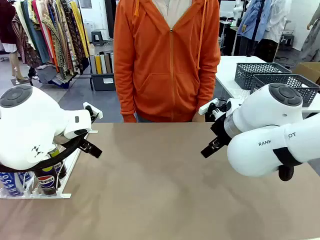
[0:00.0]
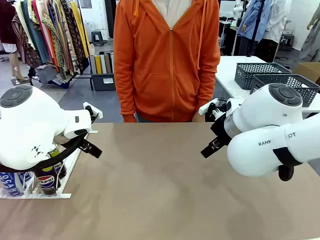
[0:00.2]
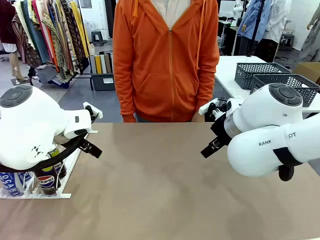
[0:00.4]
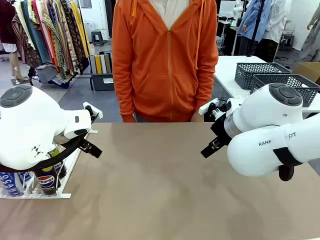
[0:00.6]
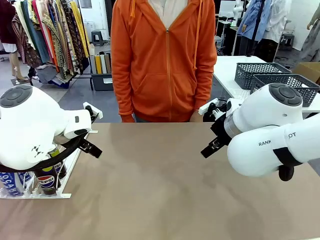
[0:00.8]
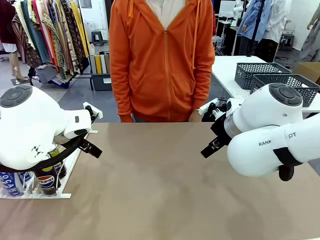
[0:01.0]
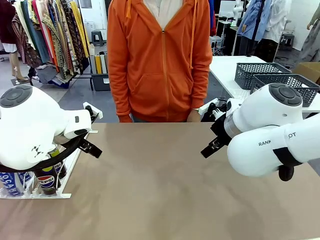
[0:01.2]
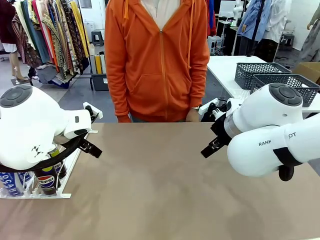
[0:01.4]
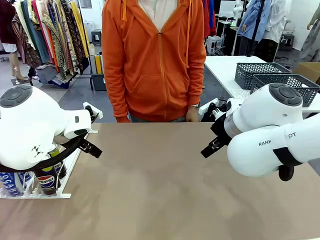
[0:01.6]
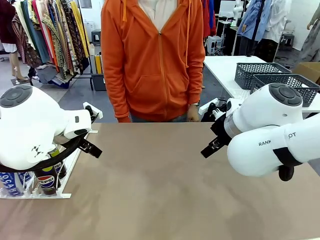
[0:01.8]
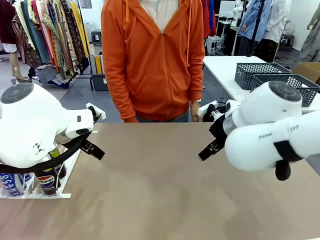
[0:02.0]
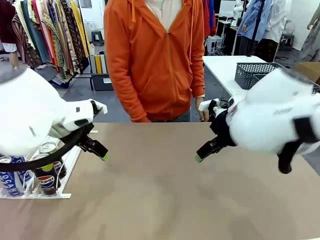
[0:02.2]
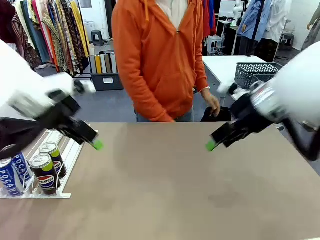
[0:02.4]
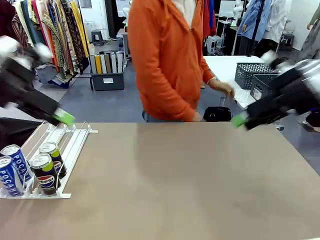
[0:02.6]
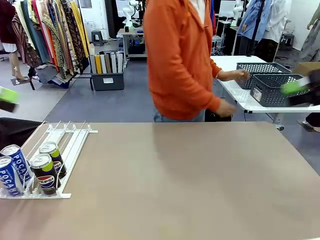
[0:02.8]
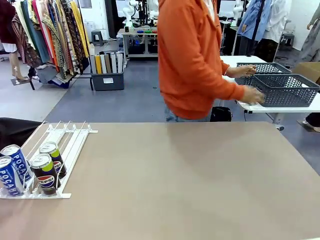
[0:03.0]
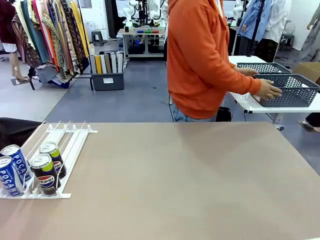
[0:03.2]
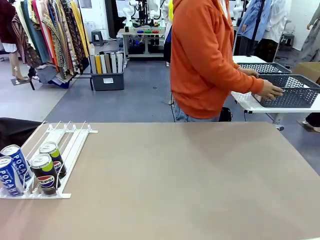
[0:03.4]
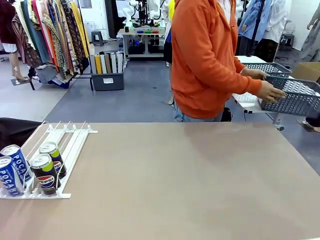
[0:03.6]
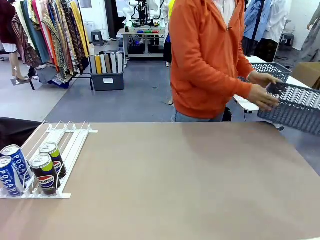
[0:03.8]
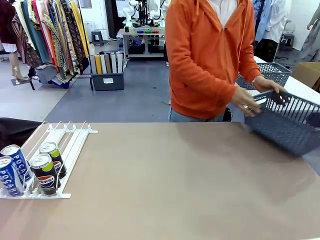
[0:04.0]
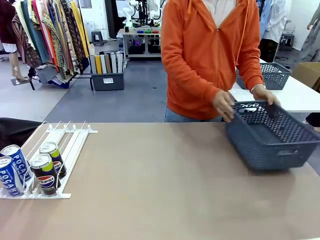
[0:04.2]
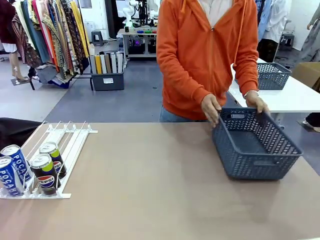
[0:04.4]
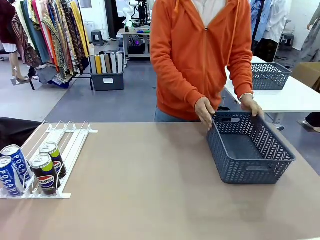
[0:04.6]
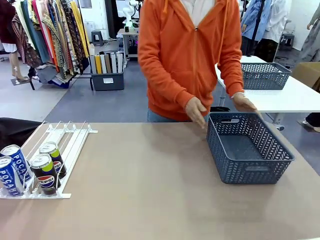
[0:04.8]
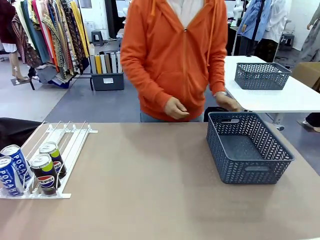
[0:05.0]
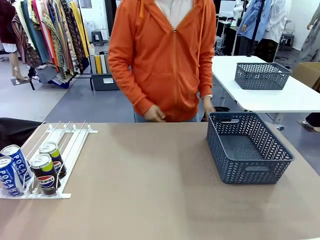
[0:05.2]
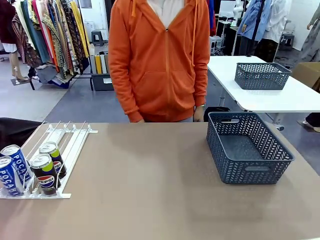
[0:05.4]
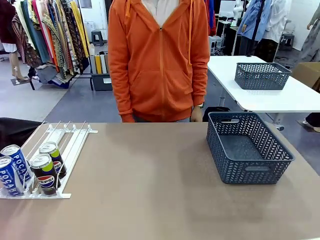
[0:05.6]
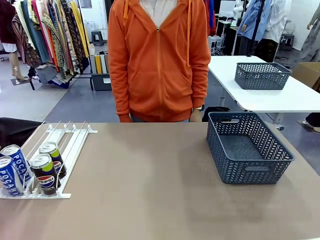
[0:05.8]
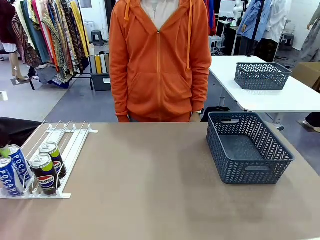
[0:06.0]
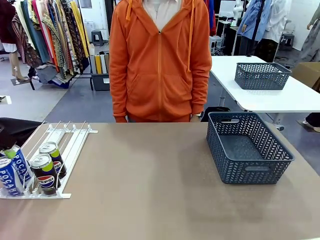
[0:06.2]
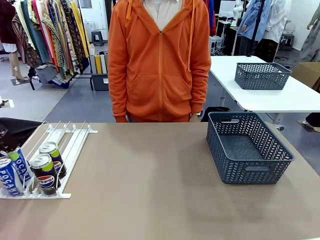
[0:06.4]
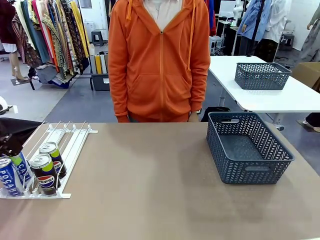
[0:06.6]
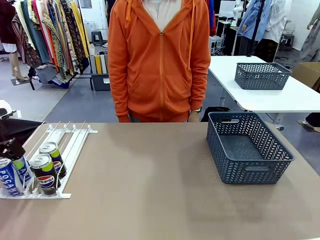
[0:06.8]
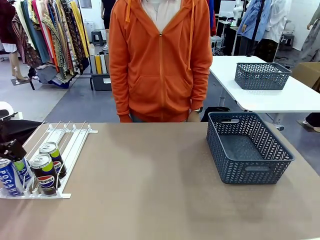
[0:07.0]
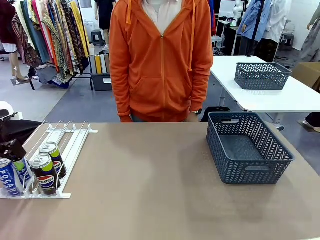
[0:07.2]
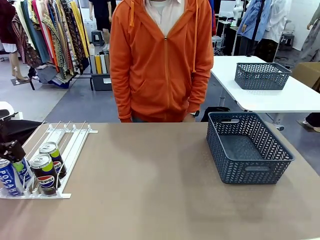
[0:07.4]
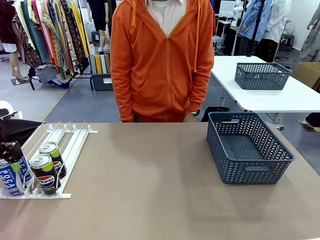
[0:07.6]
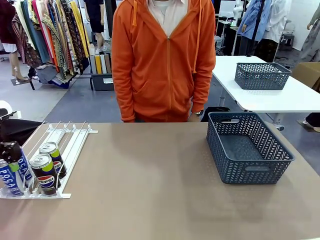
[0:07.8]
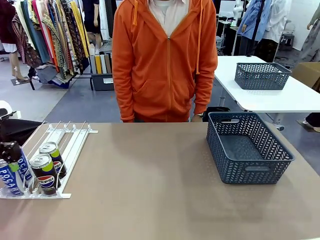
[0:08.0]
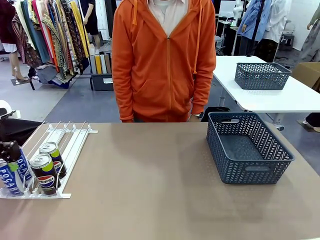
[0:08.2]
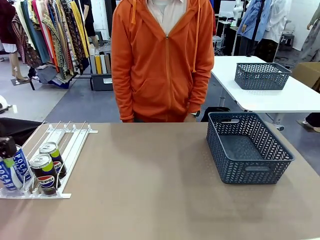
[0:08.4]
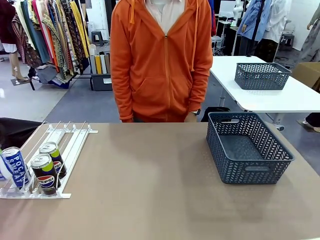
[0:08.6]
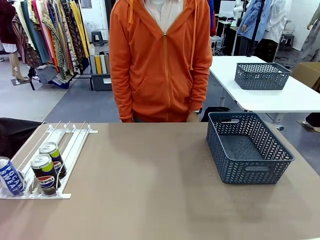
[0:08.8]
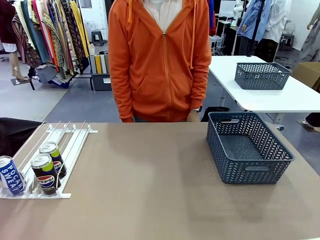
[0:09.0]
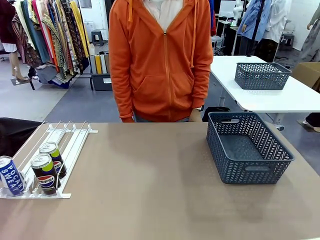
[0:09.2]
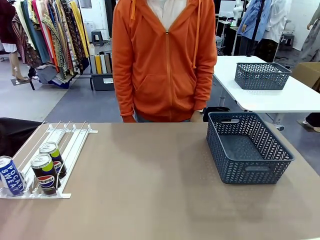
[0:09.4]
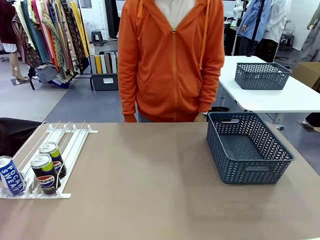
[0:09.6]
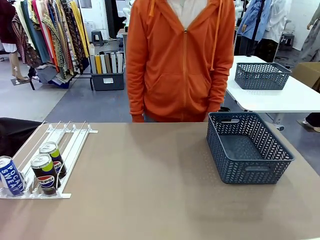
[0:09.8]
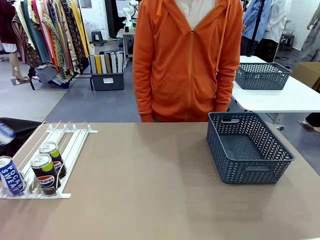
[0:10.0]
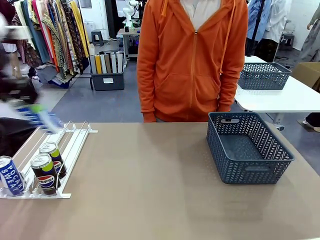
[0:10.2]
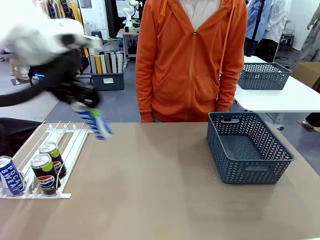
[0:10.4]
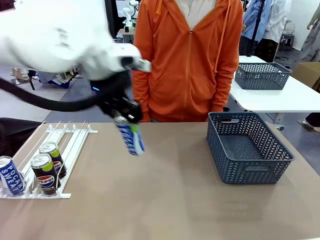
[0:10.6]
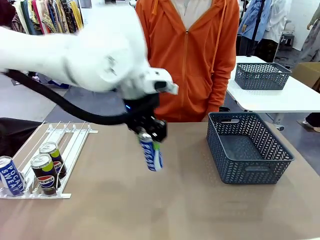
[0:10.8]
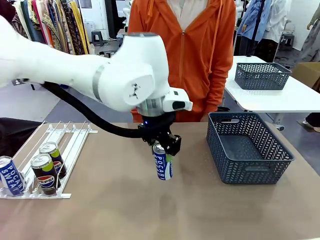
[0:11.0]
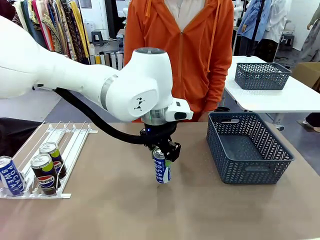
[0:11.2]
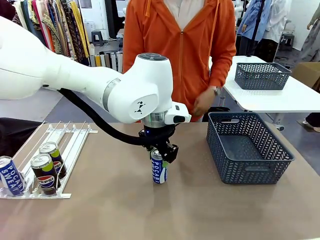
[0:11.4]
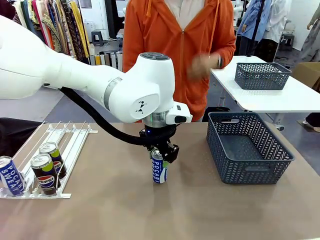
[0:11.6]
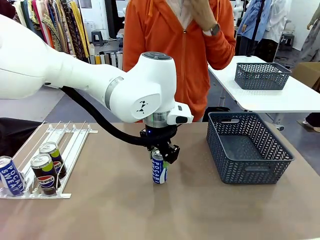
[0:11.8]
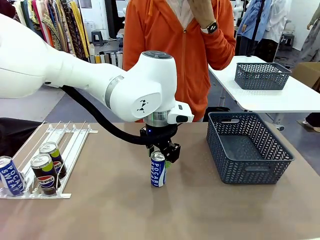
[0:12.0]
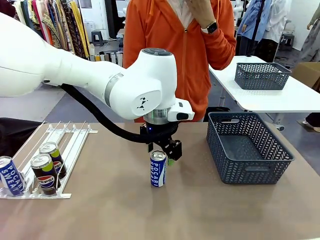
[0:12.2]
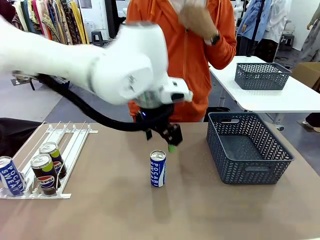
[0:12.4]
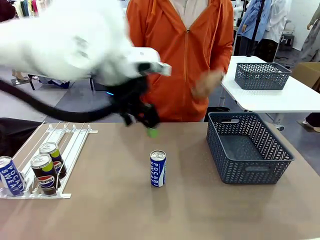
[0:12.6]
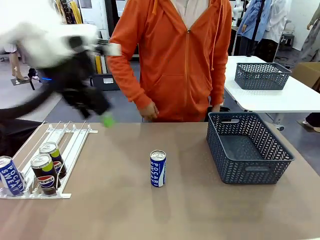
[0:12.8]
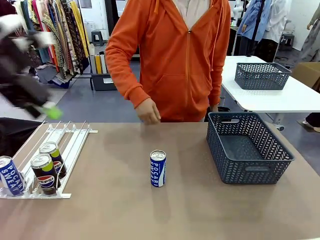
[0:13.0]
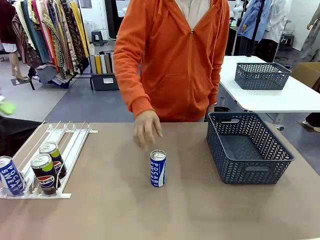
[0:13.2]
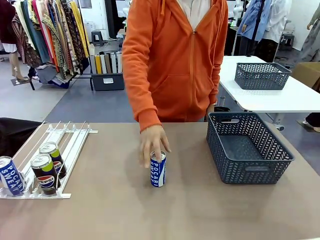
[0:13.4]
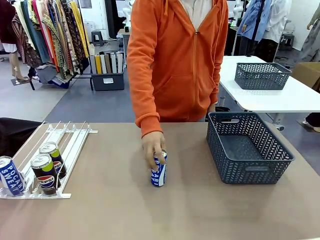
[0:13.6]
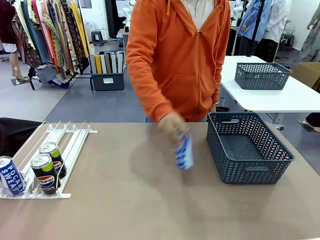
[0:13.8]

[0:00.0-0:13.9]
Task: Retrieve and store the cans from the dispenser.
Robot: Pick up one can from the Automatic Can Dispenser and place it in the middle of the table.
Person: Pick up the basket and place it on the left side of the robot table.

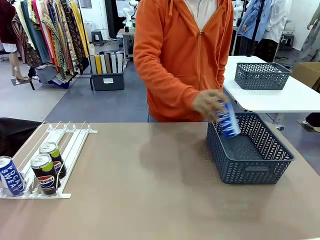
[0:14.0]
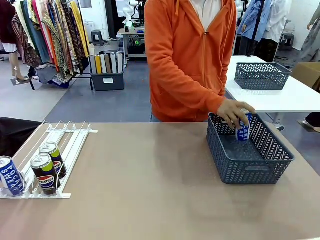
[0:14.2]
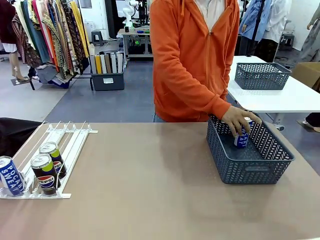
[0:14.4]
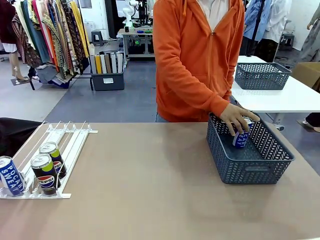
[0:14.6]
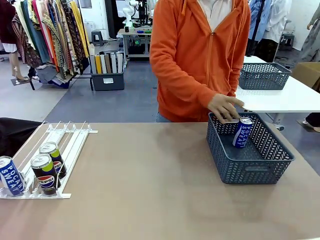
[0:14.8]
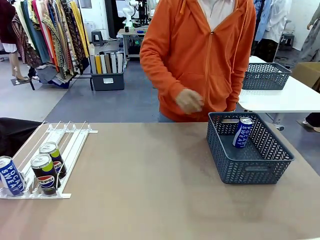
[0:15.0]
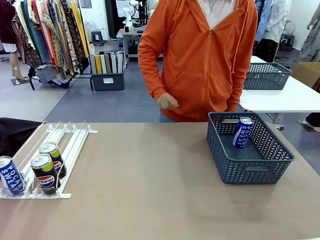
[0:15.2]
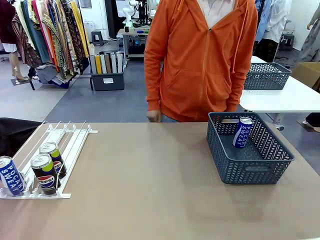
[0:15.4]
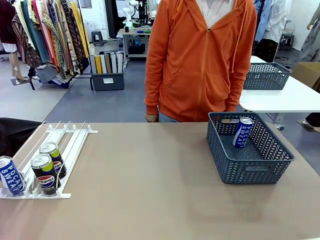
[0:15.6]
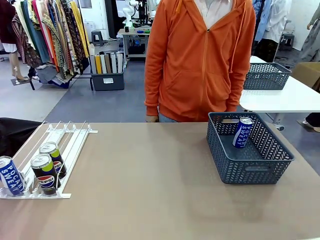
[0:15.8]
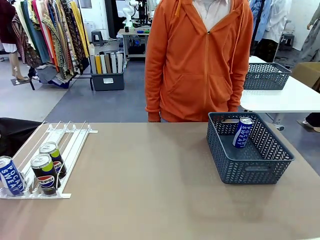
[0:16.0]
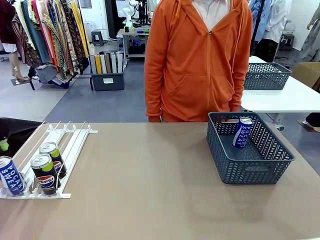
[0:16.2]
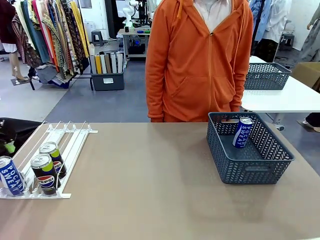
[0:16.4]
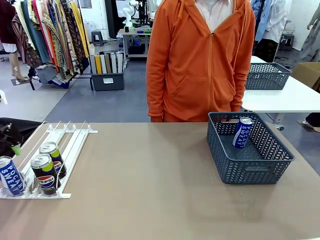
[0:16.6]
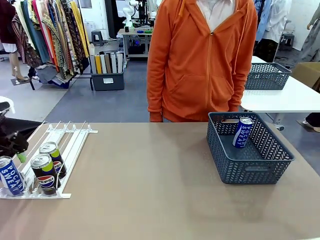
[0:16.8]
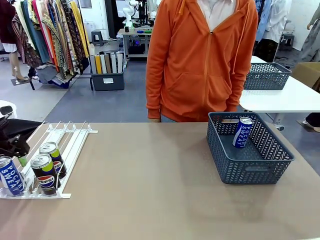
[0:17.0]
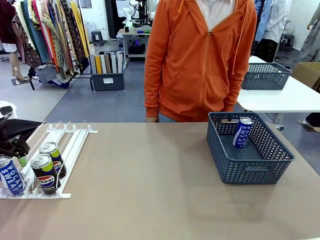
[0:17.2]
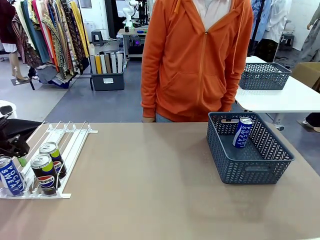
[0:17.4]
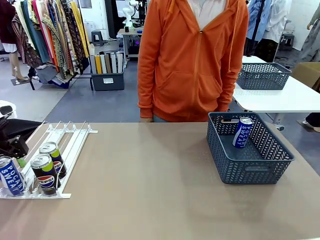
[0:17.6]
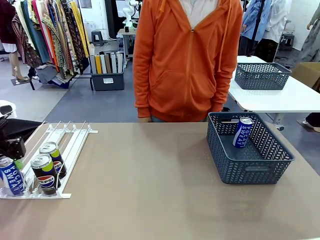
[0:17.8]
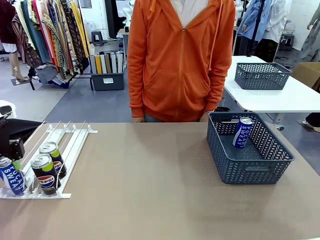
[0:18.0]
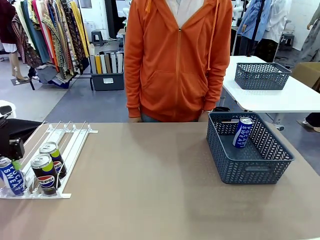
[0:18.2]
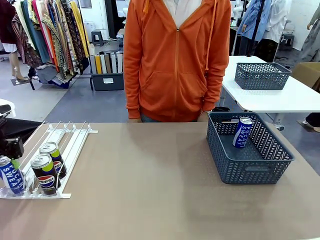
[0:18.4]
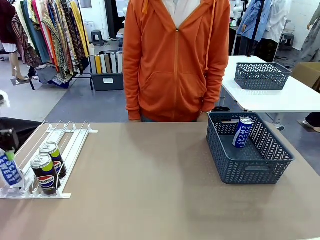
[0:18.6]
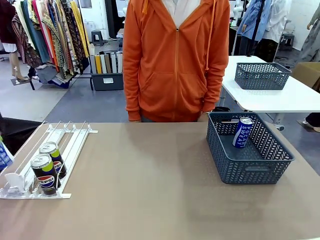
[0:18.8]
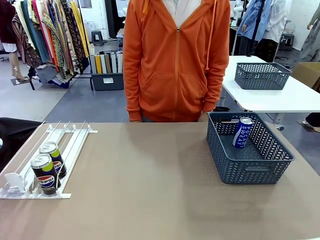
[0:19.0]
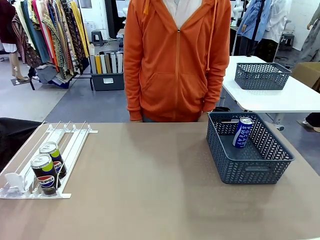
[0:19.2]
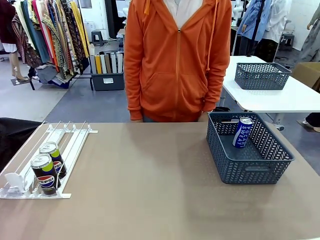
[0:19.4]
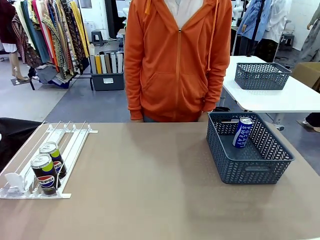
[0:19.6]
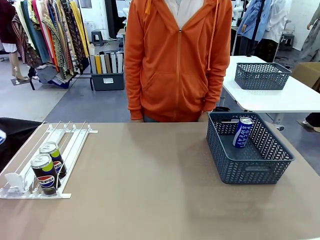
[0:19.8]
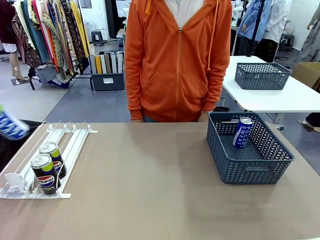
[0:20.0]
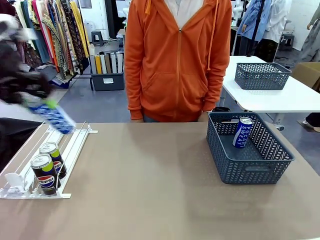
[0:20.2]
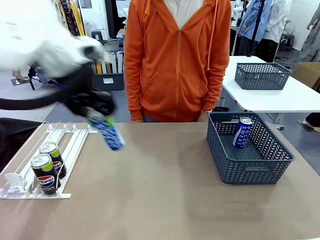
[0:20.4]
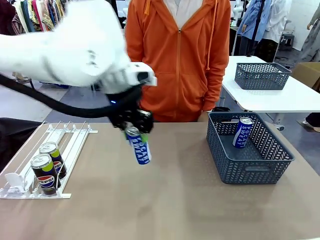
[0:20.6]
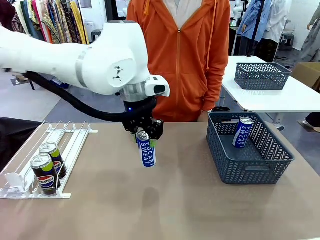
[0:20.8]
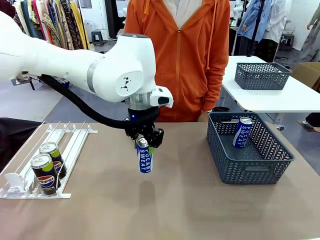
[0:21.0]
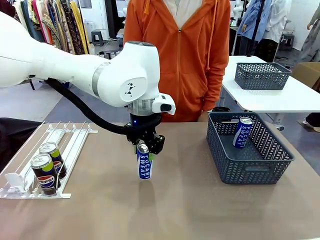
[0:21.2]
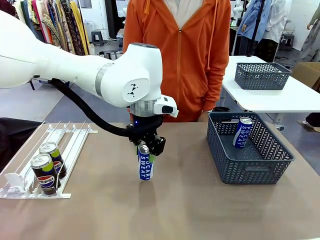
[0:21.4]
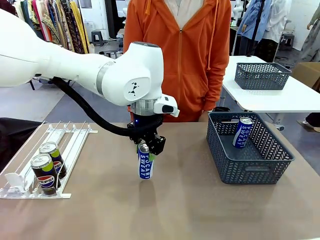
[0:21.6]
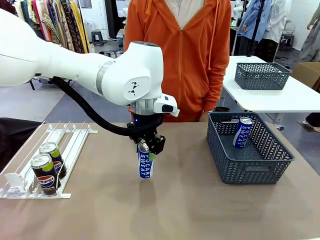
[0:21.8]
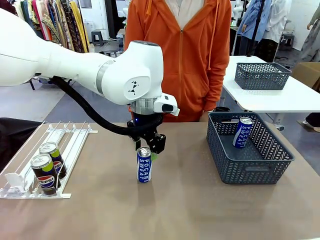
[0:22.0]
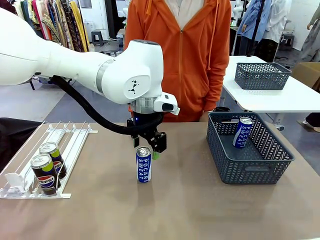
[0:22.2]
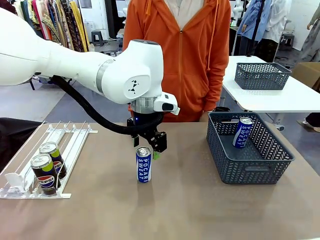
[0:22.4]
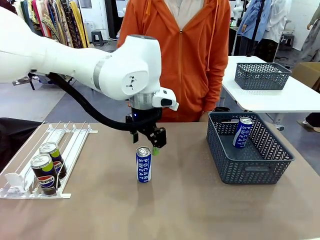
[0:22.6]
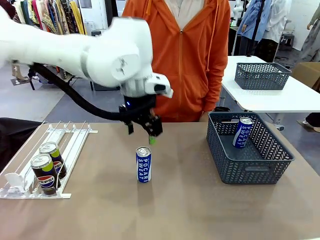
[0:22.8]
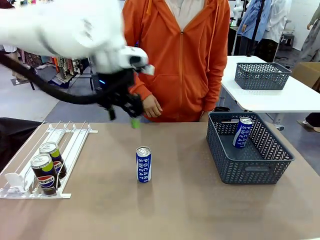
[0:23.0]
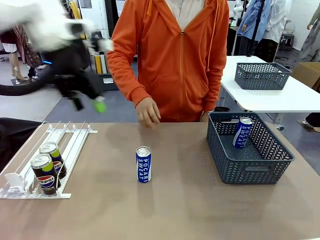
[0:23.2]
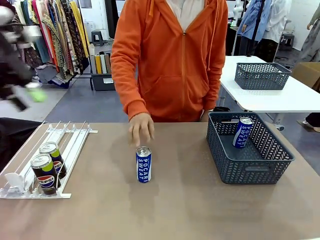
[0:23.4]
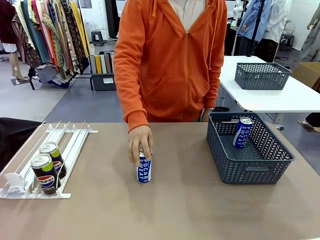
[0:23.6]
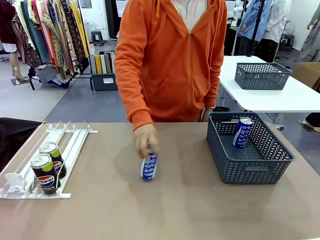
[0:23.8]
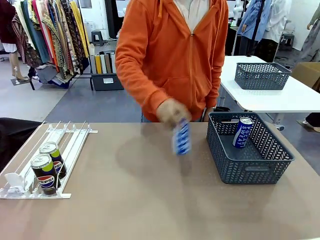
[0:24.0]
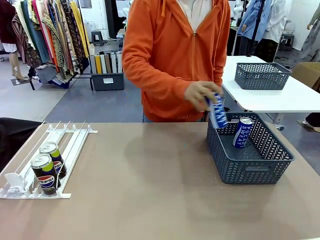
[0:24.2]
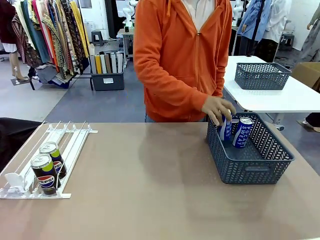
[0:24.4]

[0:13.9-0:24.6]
Robot: Pick up the last remaining can from one row of the Automatic Can Dispenser and place it in the middle of the table.
Person: Pick up one Pepsi can from the middle of the robot table and place it in the basket.
